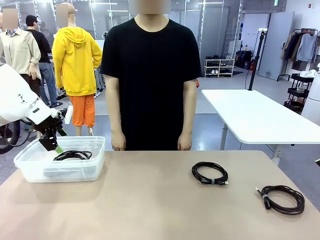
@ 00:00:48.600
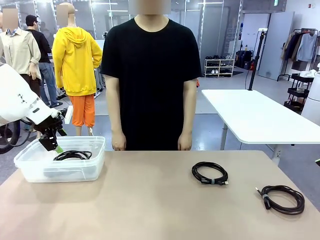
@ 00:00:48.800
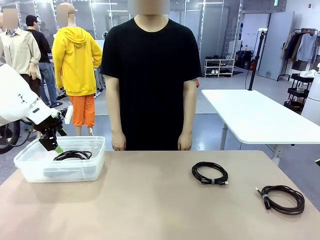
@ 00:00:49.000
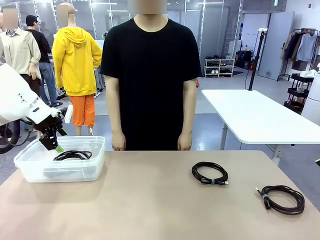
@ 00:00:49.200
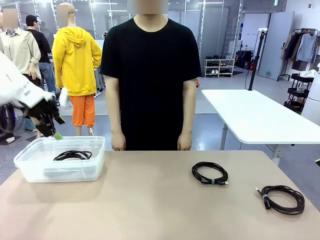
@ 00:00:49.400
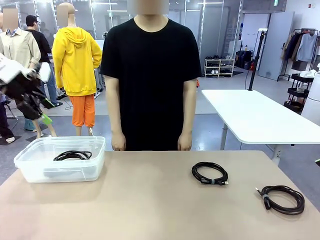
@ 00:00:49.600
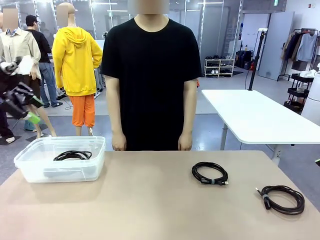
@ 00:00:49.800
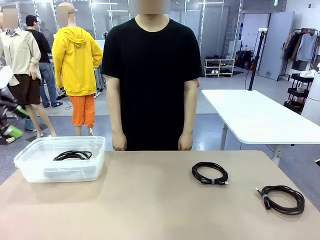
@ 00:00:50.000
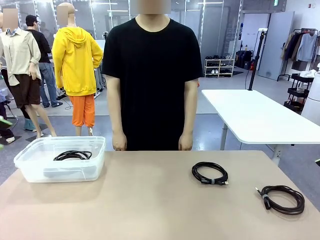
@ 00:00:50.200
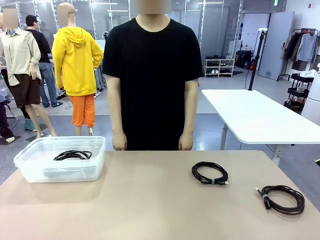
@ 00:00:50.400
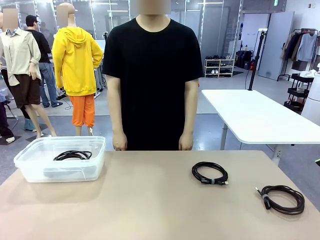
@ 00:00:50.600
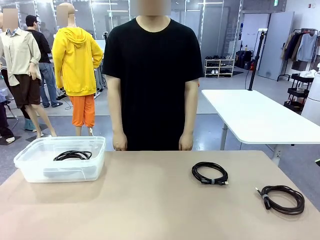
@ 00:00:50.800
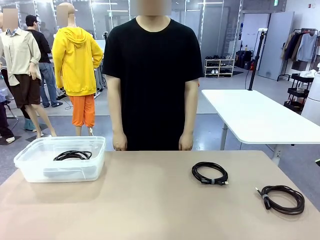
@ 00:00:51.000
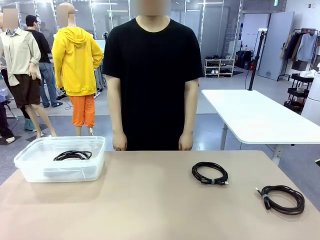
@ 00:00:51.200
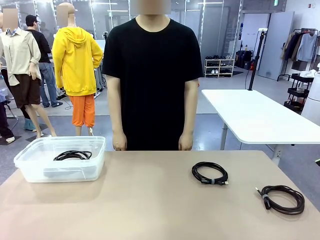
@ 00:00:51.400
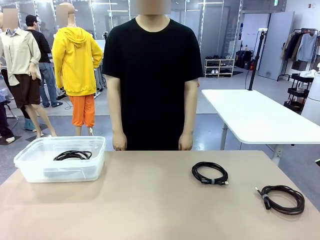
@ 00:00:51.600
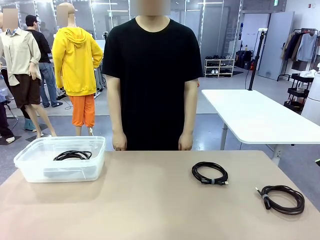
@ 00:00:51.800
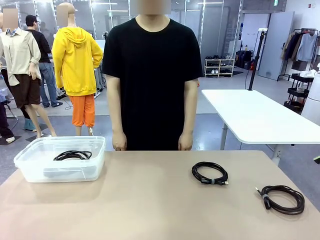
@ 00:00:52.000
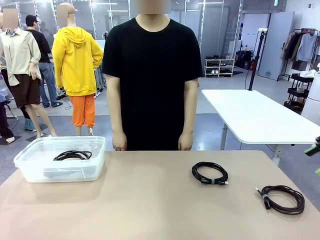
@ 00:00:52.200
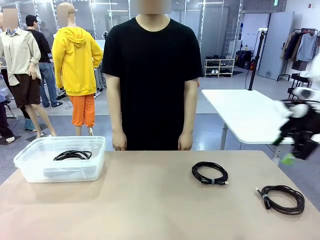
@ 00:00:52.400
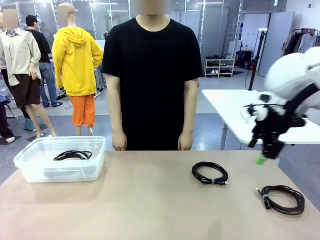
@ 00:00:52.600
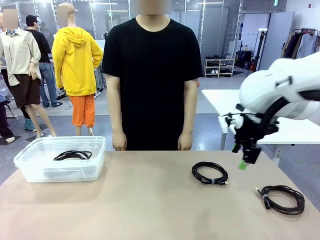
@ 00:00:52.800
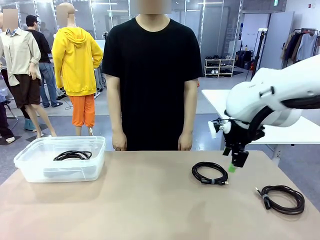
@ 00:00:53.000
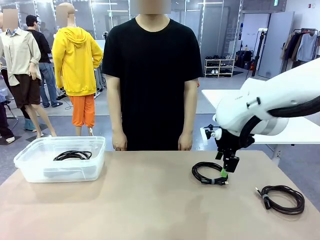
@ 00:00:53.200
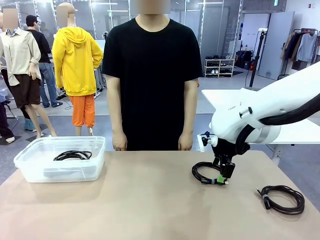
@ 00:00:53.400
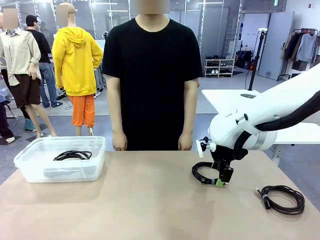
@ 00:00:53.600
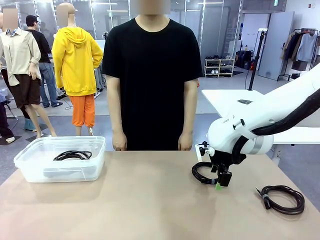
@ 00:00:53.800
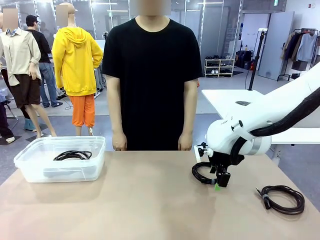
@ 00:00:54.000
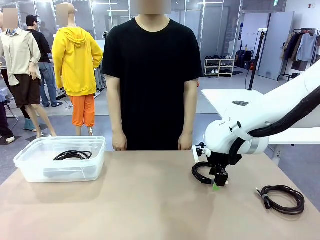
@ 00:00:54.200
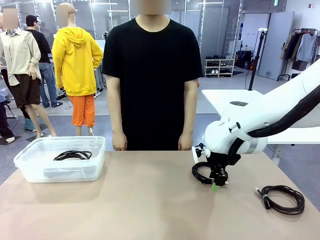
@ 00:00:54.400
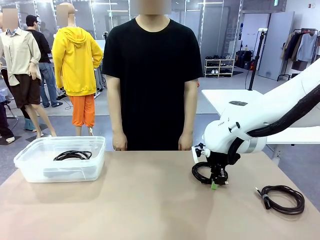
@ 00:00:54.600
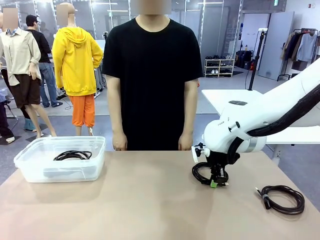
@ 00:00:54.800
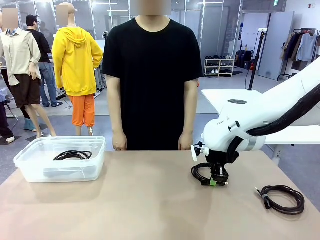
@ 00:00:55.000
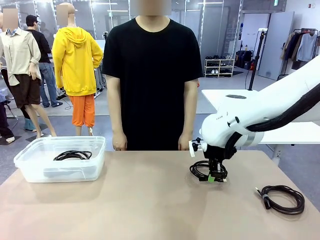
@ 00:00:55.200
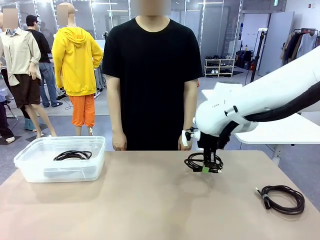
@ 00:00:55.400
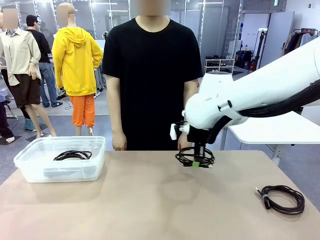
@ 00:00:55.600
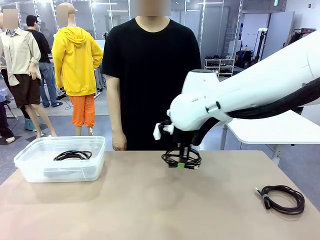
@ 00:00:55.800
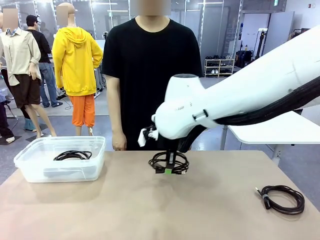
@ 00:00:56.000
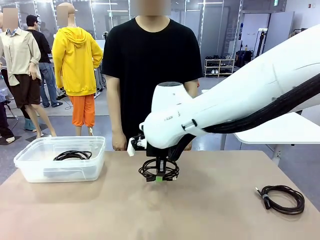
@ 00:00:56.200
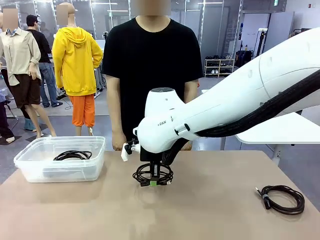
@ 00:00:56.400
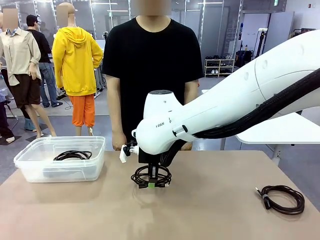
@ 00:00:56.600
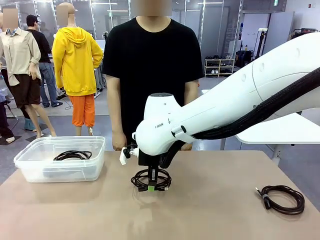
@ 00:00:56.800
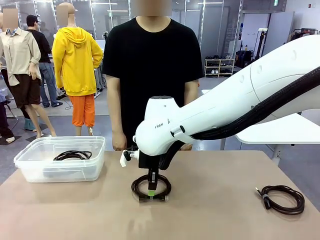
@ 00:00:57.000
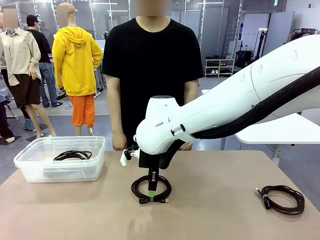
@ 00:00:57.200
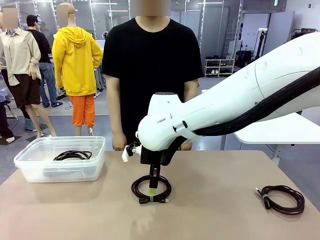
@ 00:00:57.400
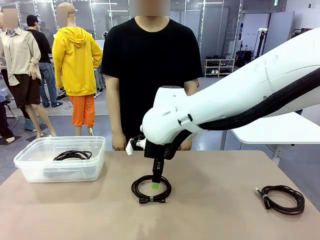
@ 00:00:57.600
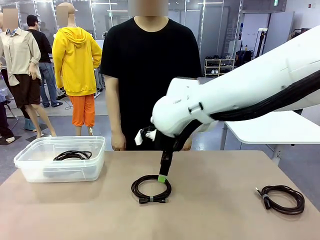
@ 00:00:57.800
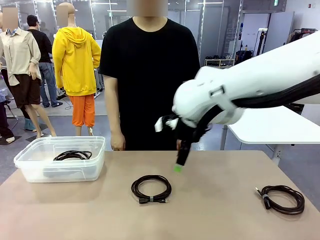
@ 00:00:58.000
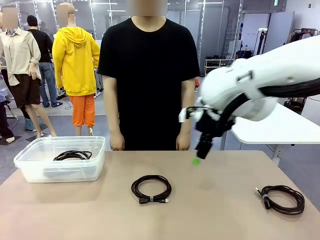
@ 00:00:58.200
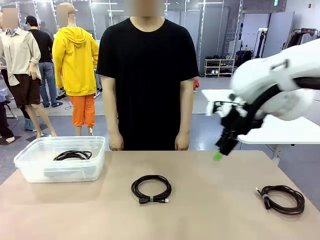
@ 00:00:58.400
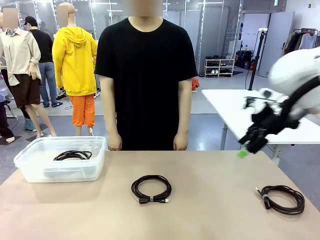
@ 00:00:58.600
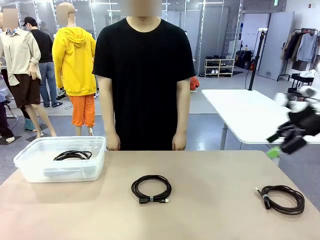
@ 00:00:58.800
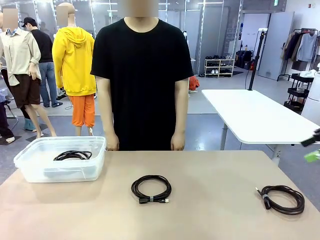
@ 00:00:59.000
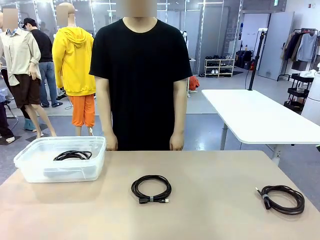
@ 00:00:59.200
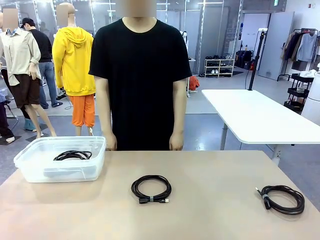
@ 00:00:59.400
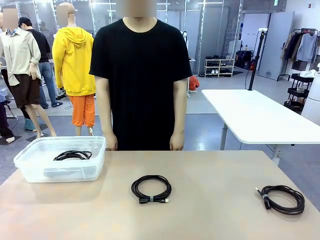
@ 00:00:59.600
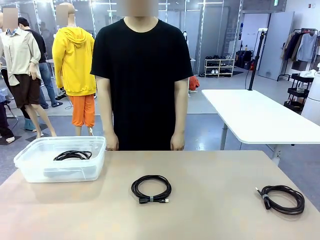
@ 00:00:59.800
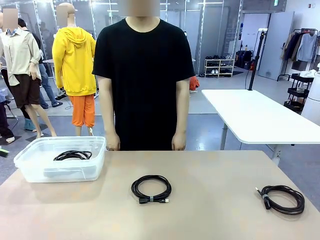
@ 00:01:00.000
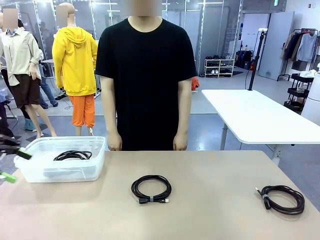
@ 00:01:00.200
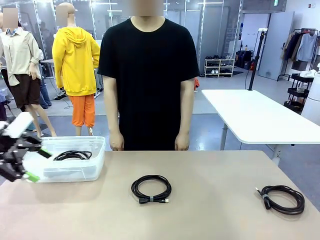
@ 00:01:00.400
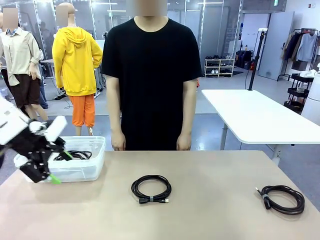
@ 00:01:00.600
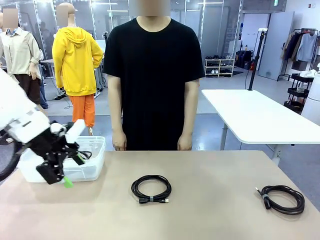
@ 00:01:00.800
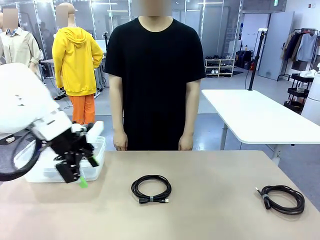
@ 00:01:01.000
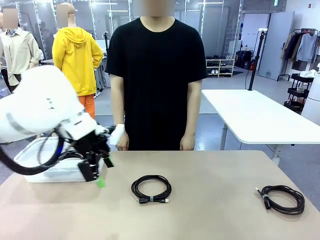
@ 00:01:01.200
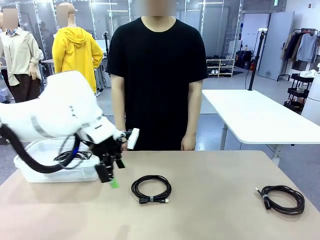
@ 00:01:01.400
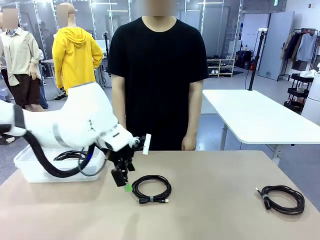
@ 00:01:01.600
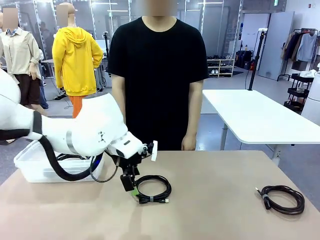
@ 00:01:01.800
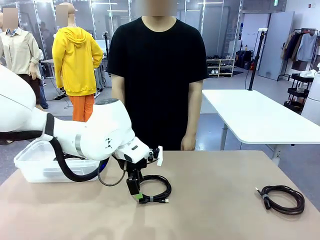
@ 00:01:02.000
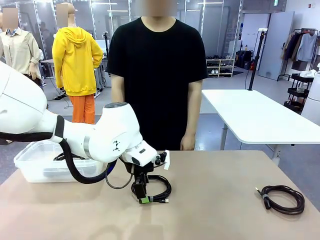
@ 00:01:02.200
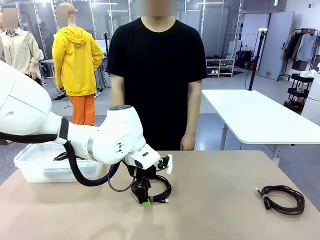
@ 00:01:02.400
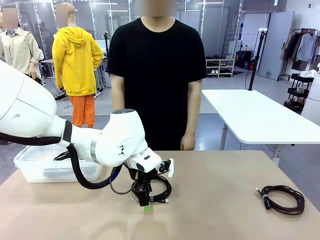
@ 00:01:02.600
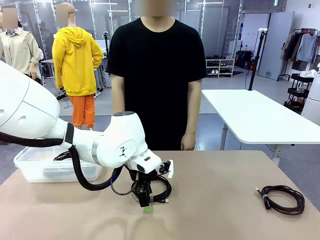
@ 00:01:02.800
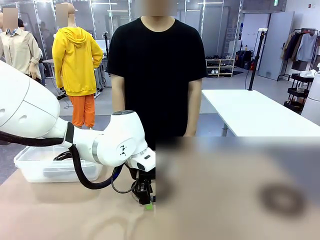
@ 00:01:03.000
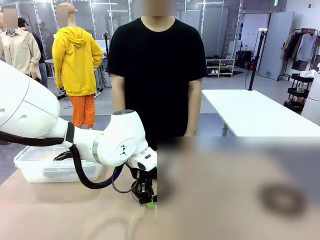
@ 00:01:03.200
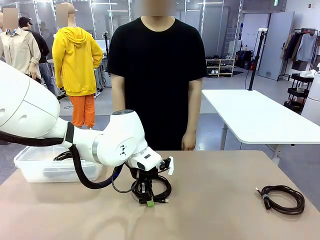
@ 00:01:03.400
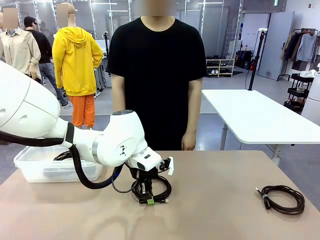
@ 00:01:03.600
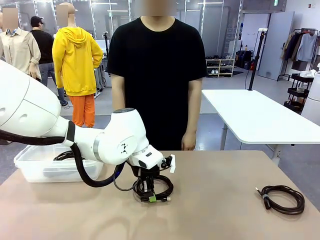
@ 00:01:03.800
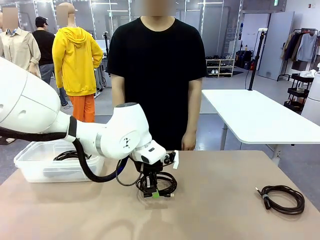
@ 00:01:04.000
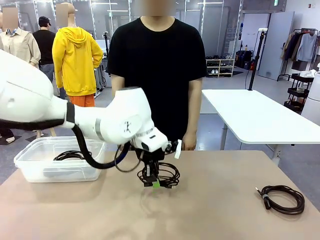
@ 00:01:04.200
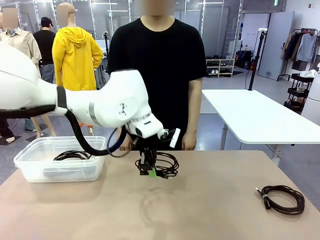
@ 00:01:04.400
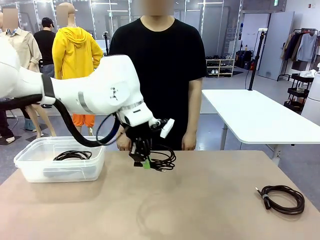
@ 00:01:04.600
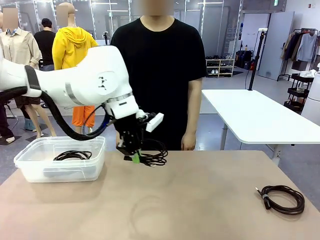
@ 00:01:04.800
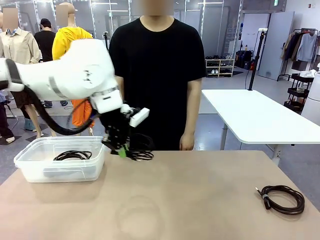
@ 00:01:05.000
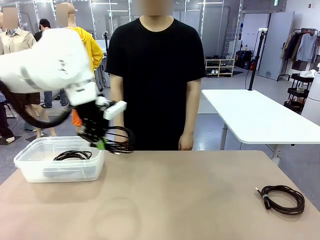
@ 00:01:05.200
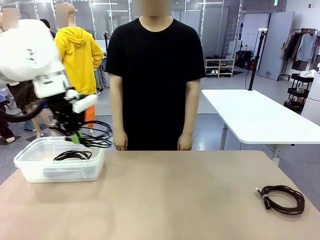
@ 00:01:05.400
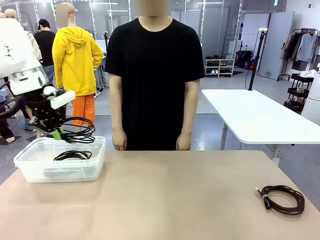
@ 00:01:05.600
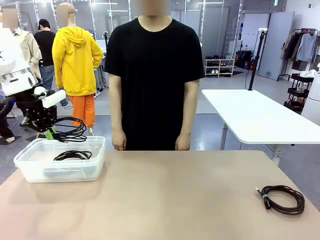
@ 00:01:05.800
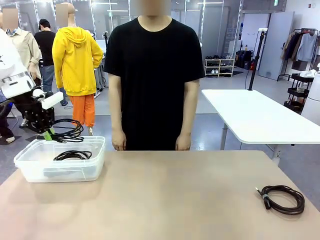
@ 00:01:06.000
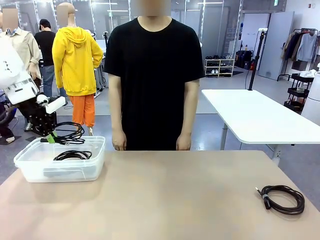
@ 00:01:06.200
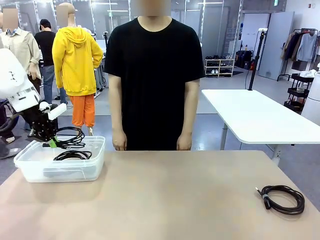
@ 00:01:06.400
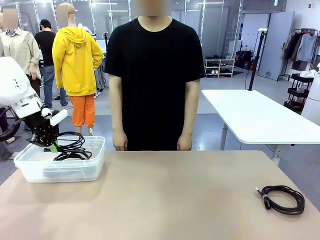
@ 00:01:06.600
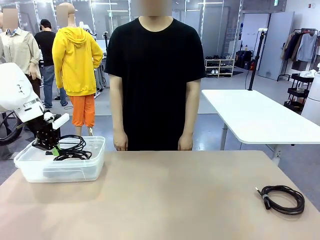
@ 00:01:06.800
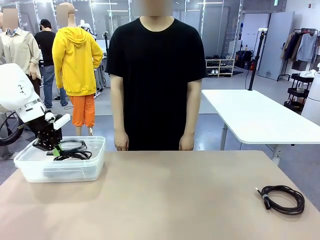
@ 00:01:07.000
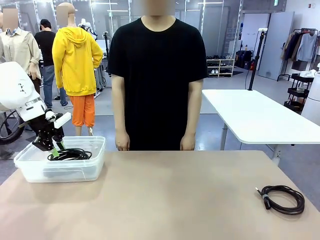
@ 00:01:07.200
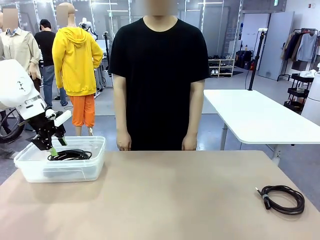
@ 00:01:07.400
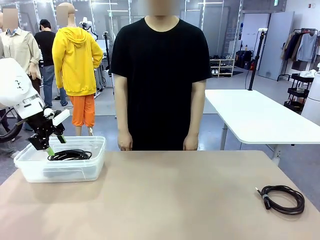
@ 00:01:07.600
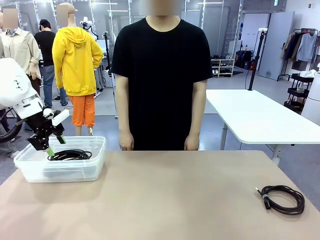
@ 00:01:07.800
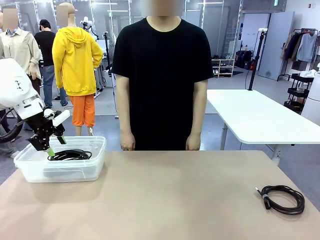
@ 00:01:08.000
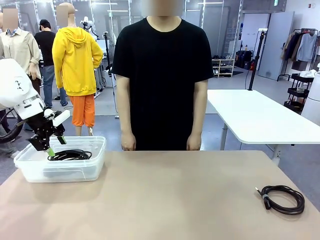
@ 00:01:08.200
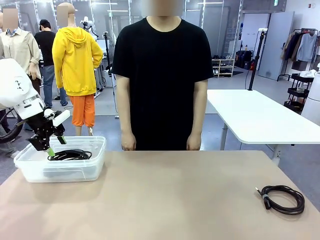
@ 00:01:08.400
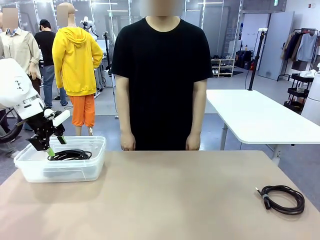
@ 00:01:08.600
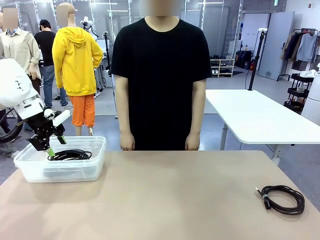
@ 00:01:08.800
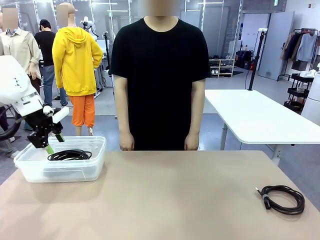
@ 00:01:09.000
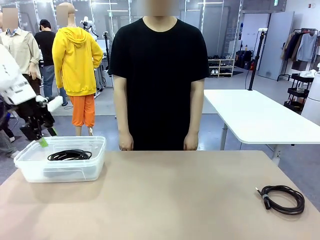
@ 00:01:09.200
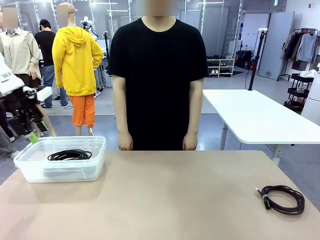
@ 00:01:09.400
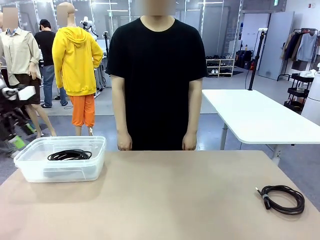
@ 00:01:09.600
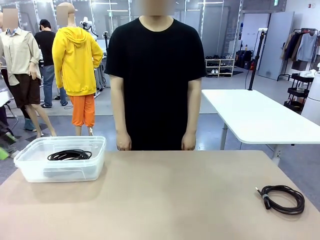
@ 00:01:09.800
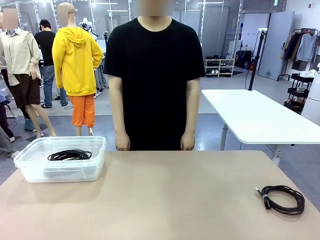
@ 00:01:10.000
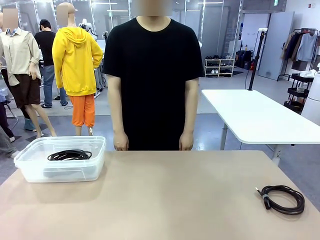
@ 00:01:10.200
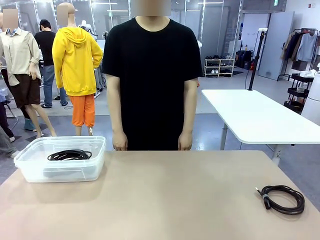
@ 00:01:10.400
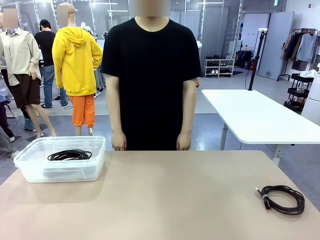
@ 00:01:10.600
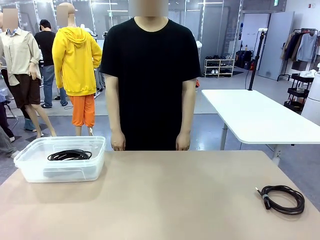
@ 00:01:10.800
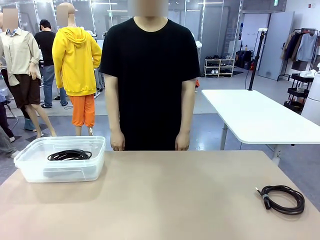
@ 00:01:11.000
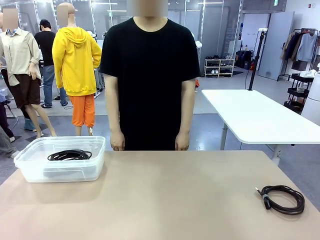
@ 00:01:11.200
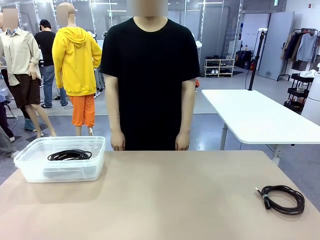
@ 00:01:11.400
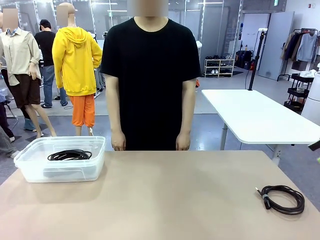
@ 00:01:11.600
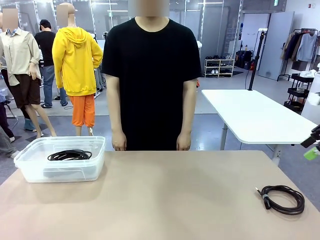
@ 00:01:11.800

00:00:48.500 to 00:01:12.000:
Task: Organize and store the cables.
Robot: Place the USB Extension Cable into the Organizing box.
